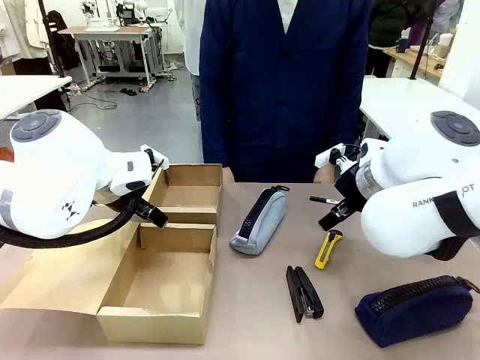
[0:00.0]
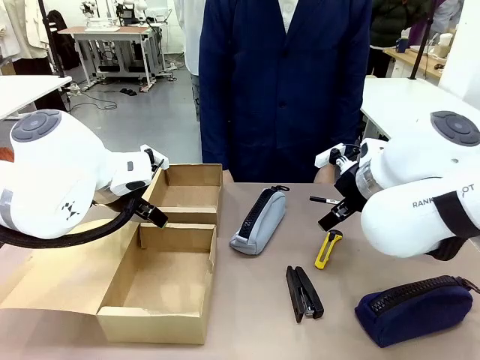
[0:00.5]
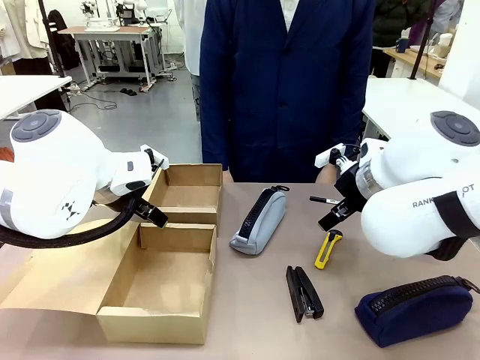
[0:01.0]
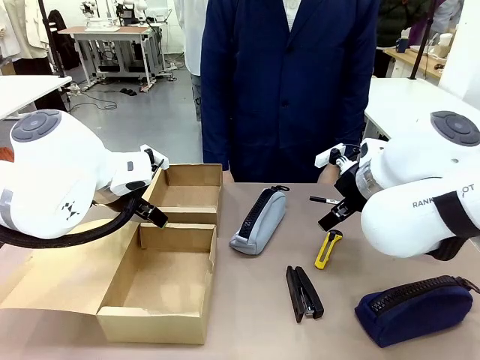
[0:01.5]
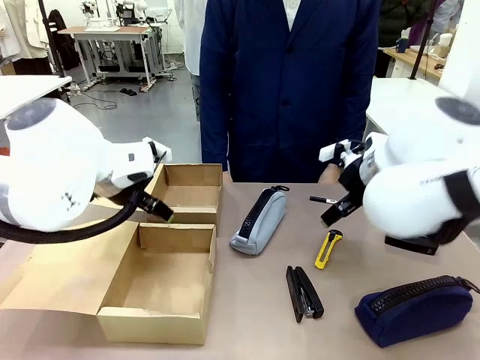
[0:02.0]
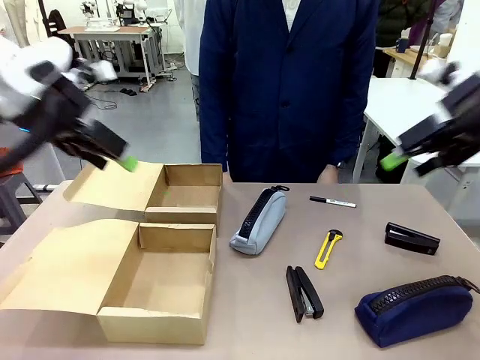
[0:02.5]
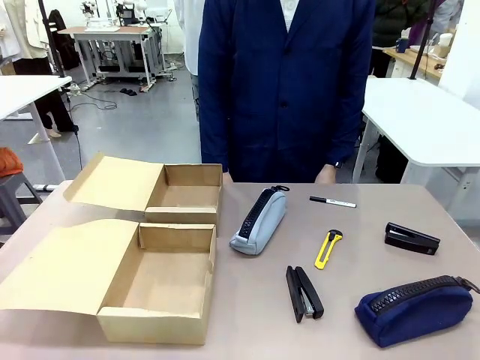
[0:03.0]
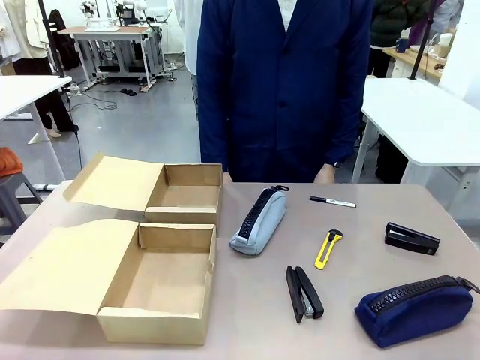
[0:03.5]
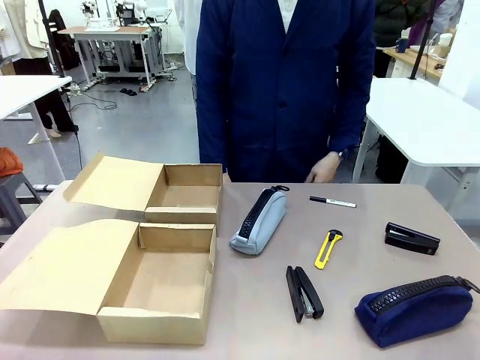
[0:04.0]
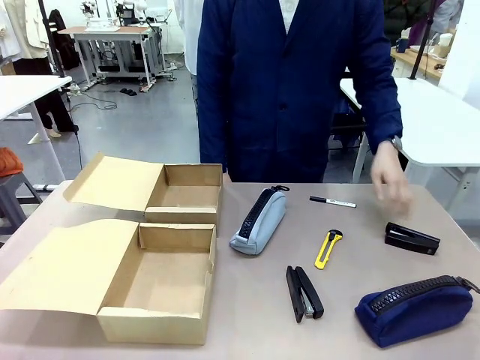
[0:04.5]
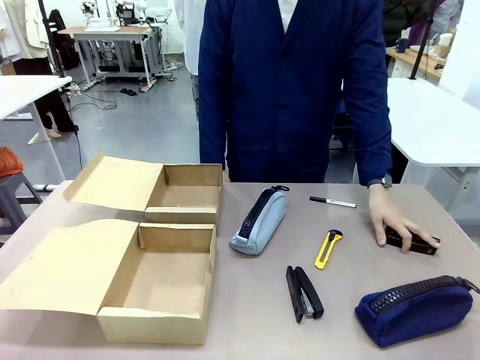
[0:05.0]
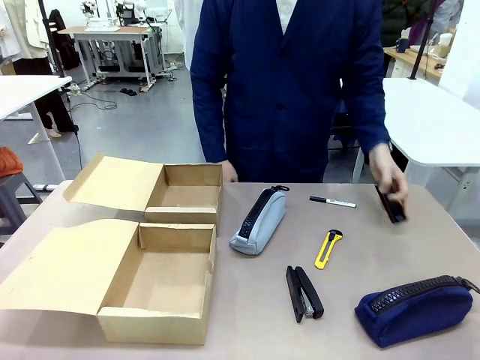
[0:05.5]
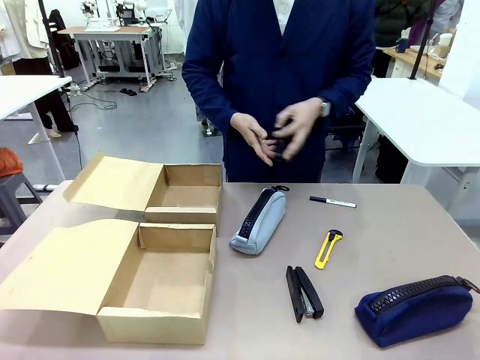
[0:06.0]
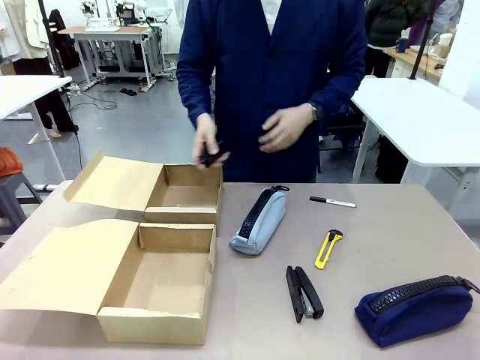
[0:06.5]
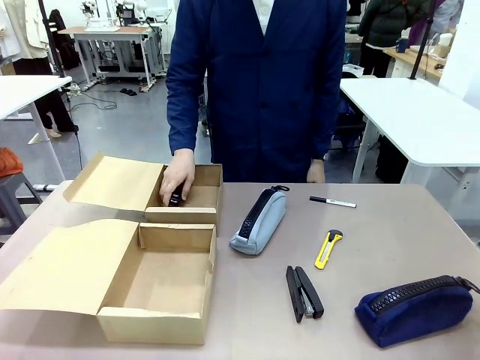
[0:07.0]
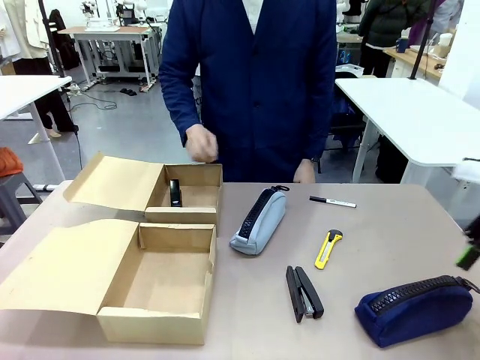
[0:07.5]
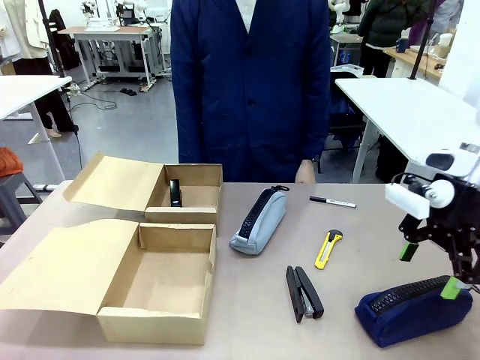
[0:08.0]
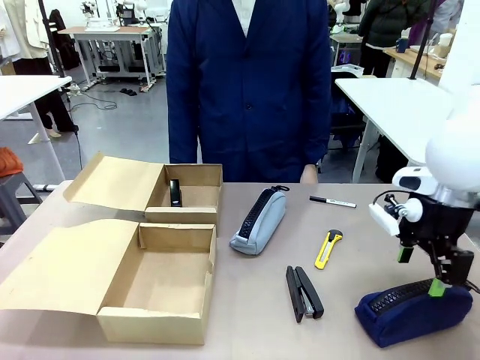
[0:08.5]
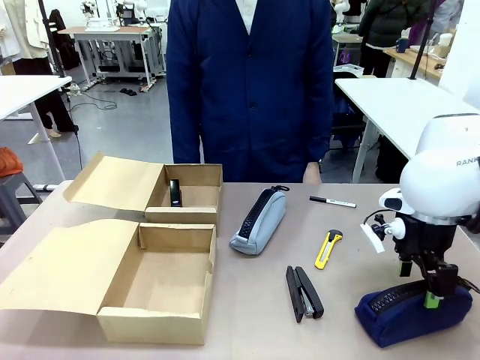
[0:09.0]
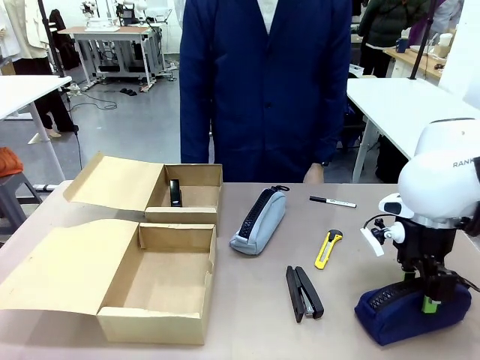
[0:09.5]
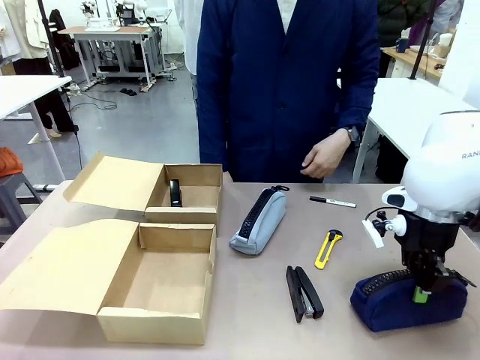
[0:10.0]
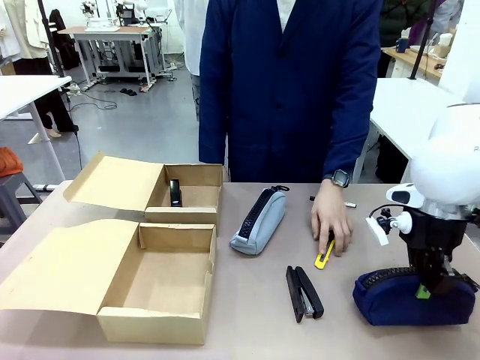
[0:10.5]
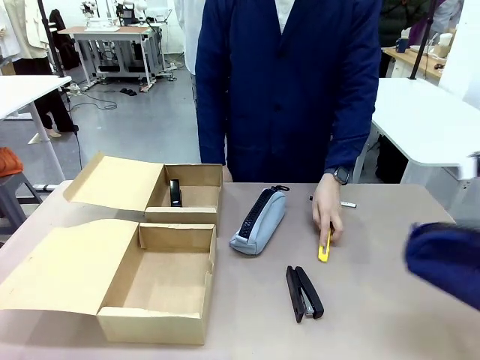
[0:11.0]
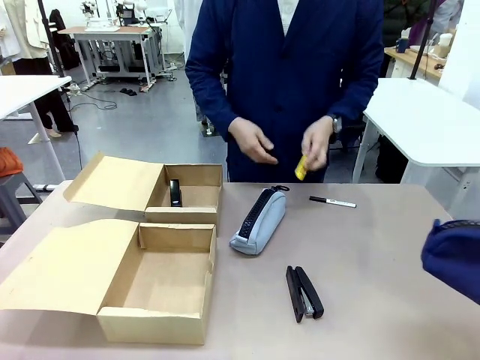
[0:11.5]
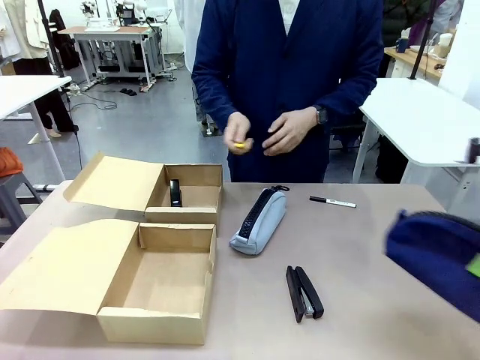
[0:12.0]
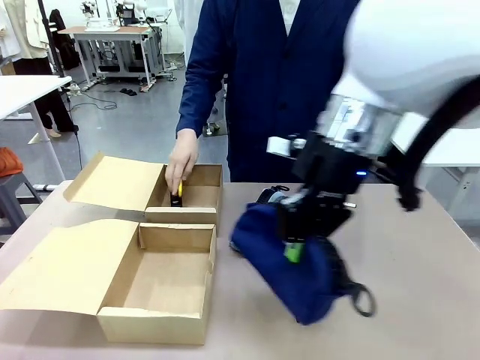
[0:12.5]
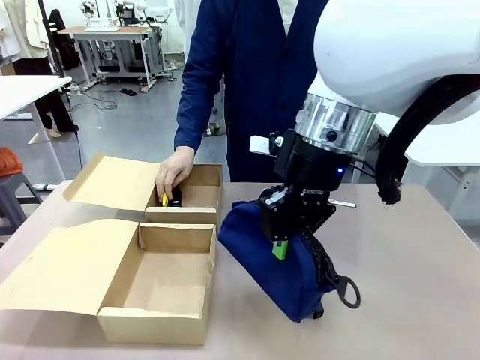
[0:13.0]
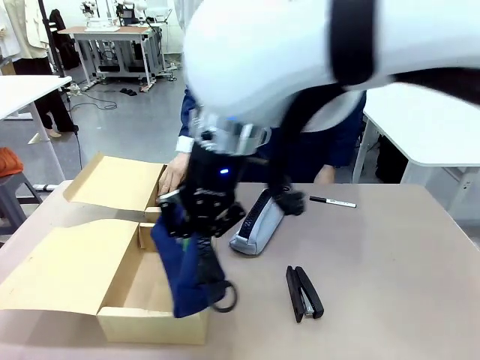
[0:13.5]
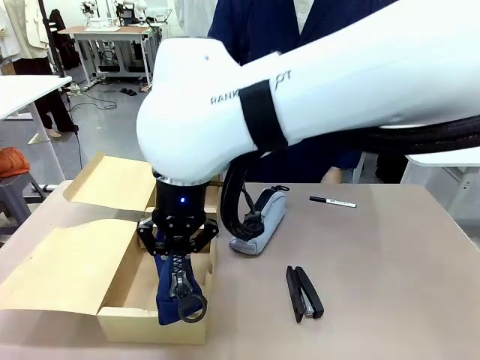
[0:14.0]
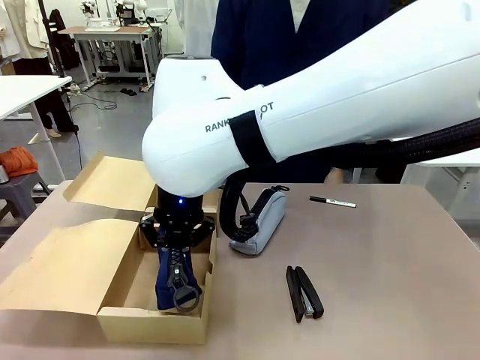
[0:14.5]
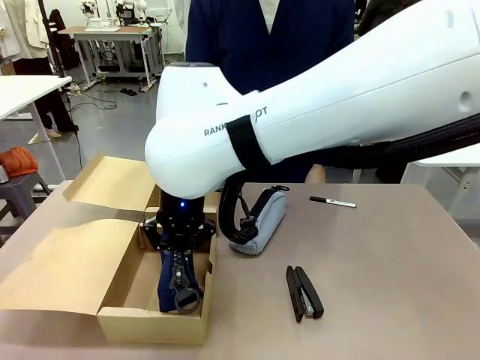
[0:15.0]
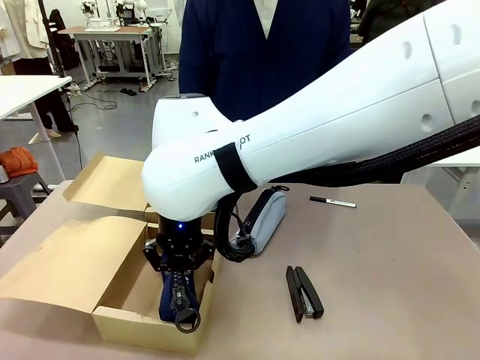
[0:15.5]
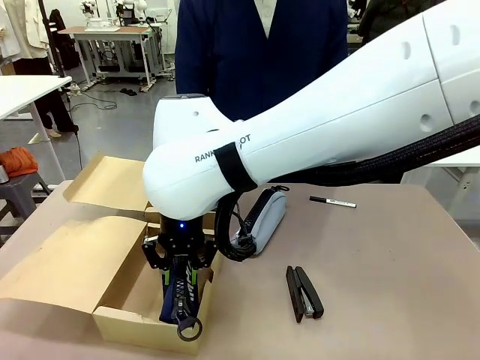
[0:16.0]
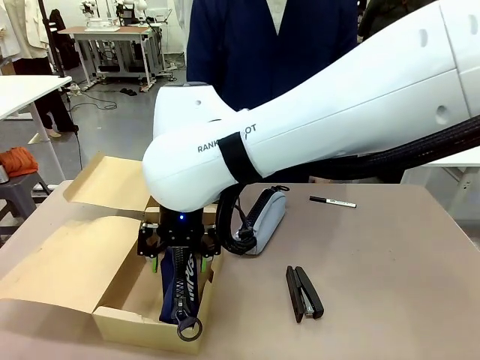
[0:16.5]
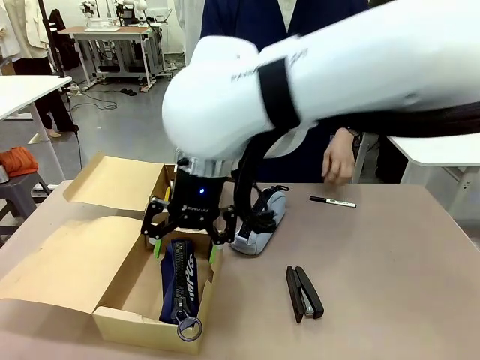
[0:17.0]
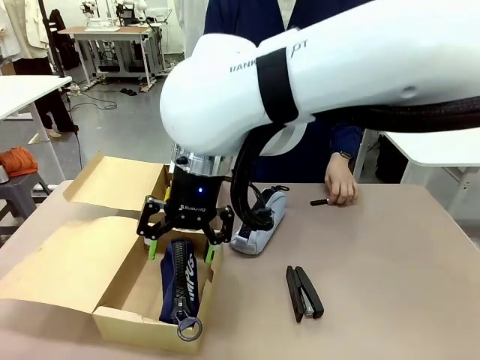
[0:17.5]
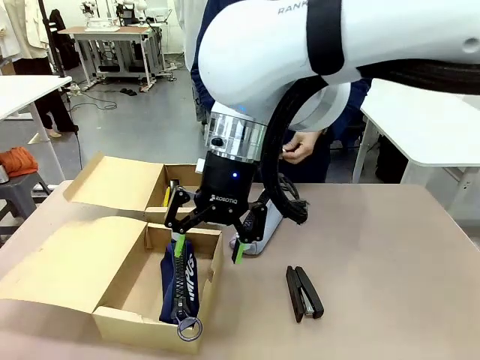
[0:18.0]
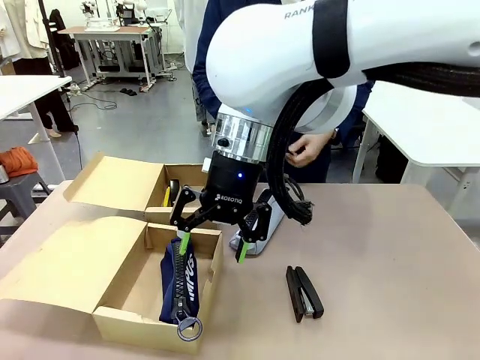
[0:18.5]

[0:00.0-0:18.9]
Task: Place items inside the box.
Robot: Pick up a Pencil pouch or Stapler and place it inside the Mailer Box closest to the robot.
Person: Pick up an object on the table and put it in the box.

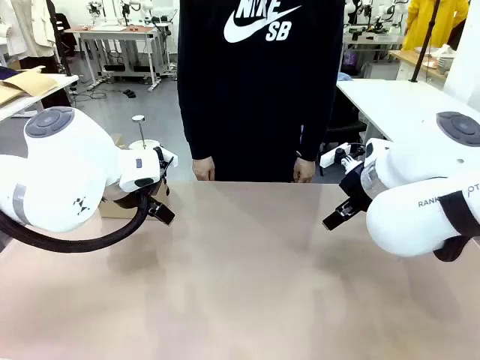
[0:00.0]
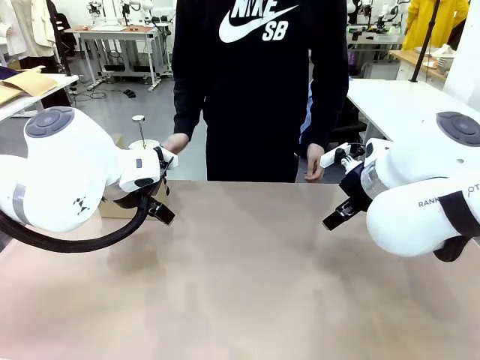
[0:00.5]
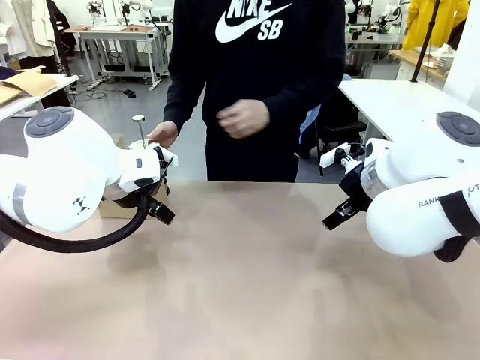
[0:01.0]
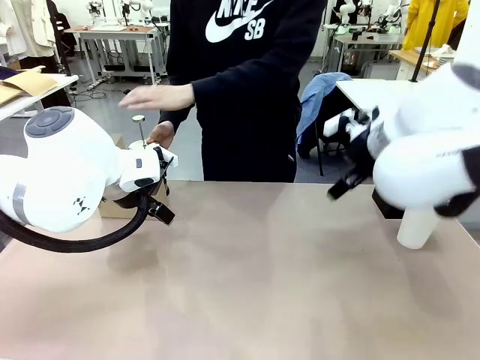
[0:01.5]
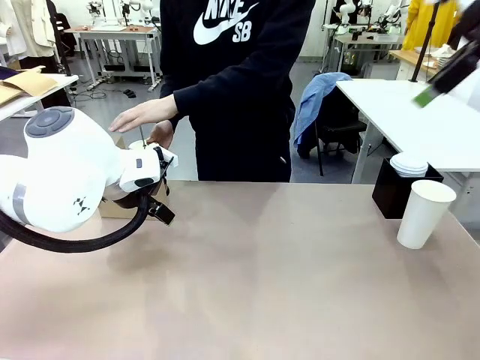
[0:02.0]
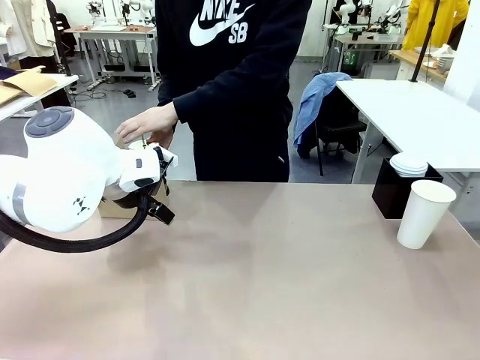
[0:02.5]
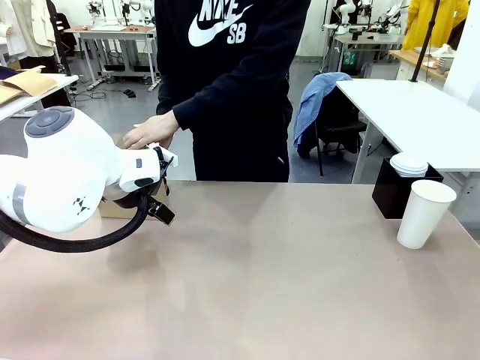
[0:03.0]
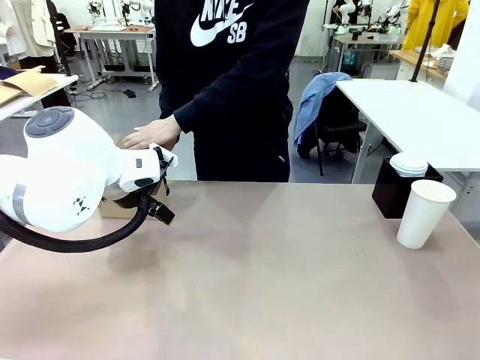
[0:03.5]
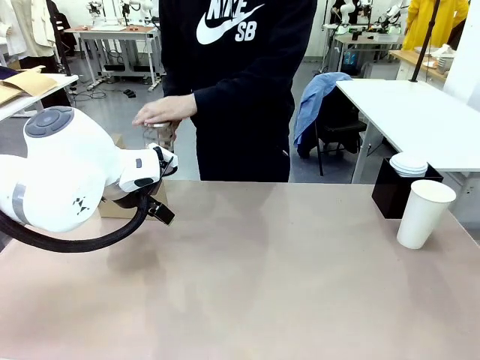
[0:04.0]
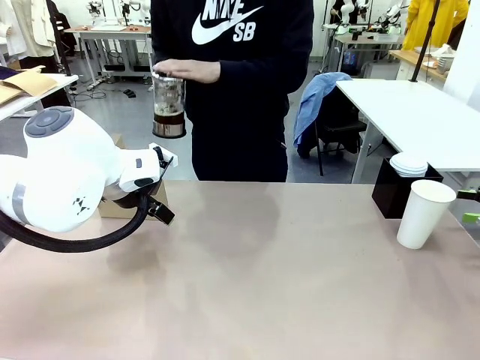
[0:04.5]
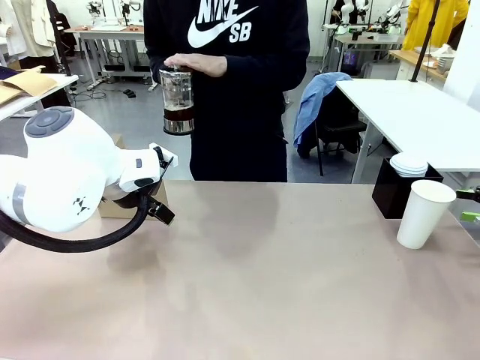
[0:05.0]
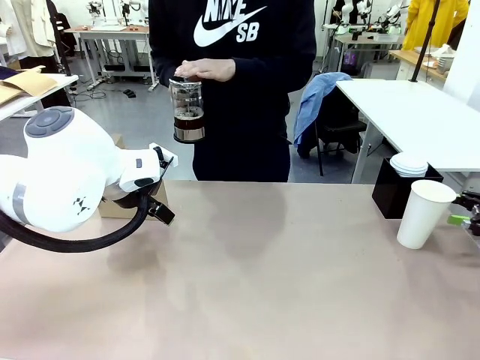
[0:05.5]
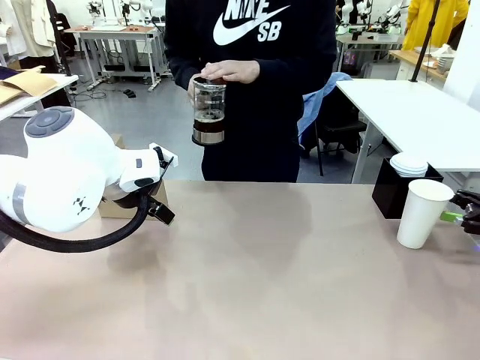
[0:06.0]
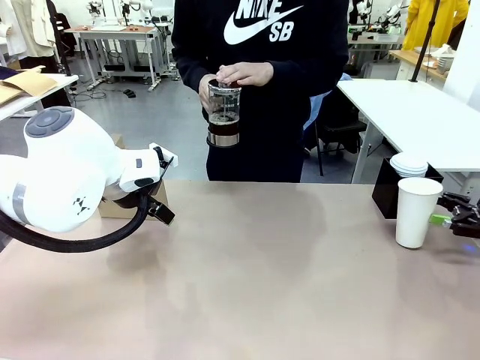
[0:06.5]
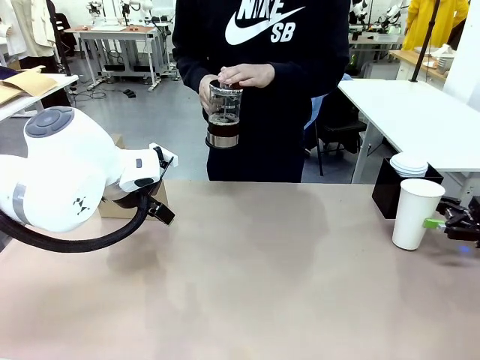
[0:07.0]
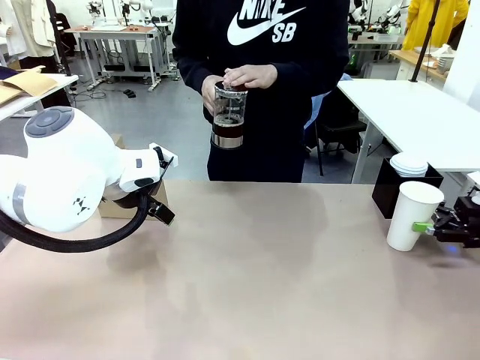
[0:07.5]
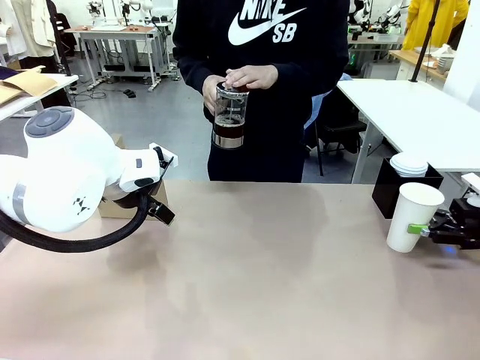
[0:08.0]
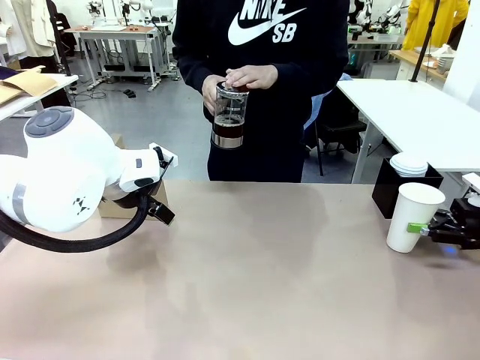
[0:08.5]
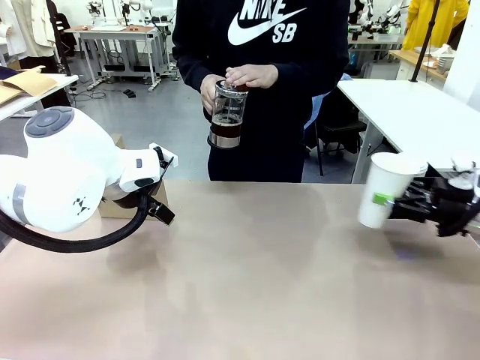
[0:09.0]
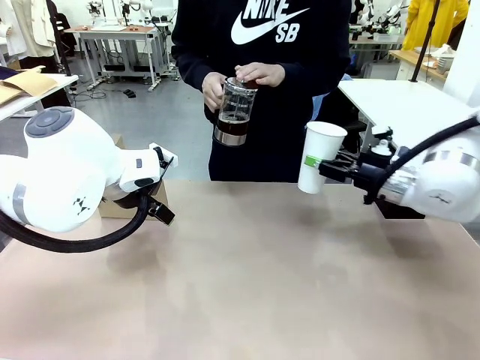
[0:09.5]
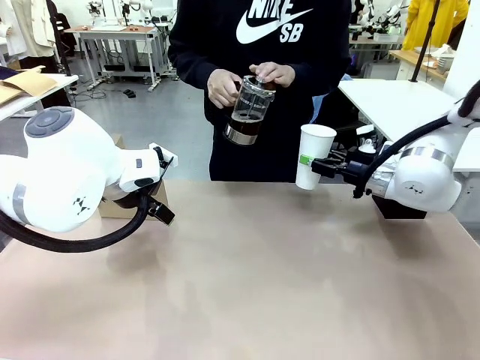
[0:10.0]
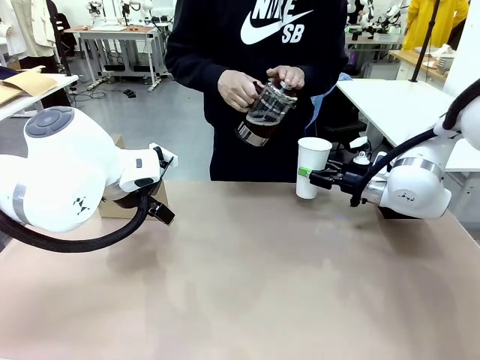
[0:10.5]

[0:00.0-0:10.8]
Task: Pour a drink into a cup and package it in a carrier.
Robot: Pick up the 600 ml Paper Cup and place it in the middle top area of the table.
Person: Press and pick up the Filter Brewing. Pour the drink from the Filter Brewing into the 600 ml Paper Cup.
